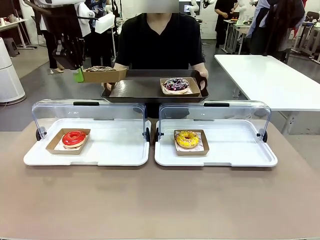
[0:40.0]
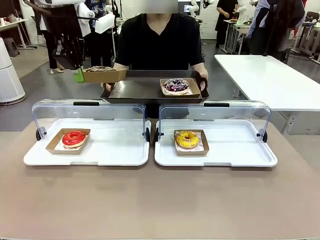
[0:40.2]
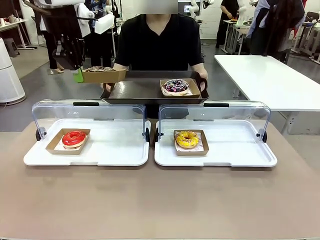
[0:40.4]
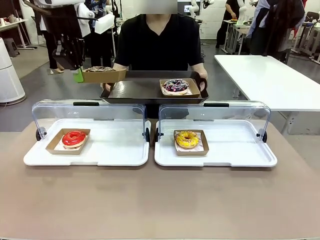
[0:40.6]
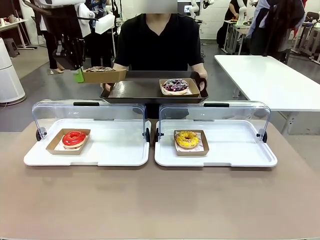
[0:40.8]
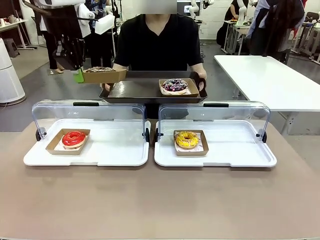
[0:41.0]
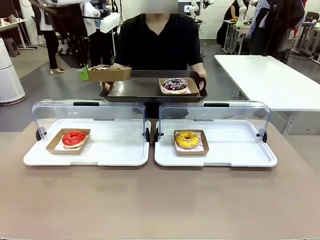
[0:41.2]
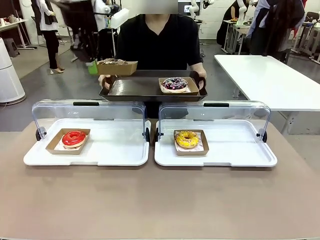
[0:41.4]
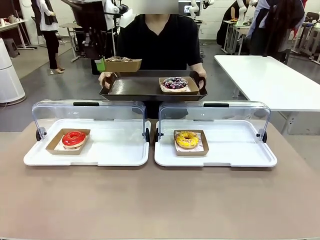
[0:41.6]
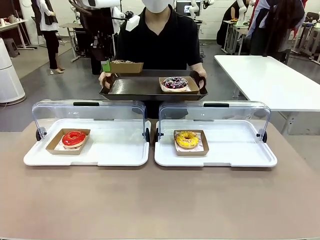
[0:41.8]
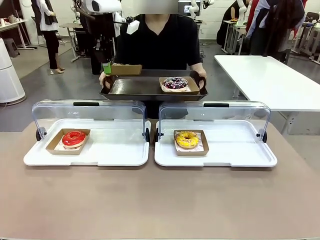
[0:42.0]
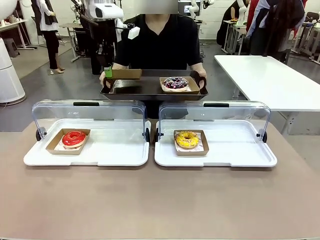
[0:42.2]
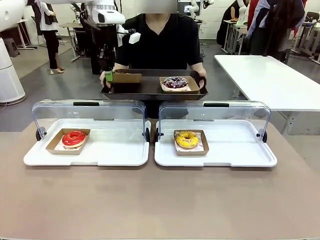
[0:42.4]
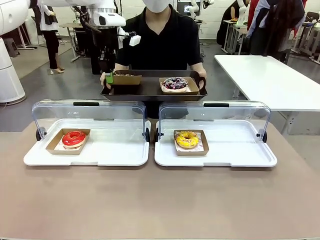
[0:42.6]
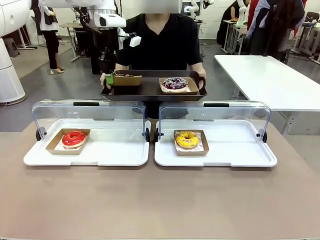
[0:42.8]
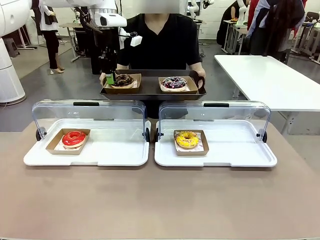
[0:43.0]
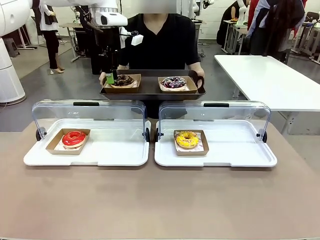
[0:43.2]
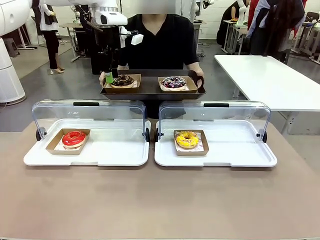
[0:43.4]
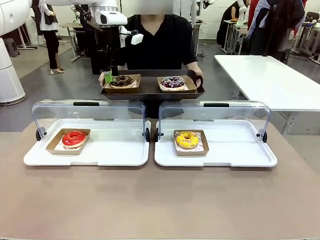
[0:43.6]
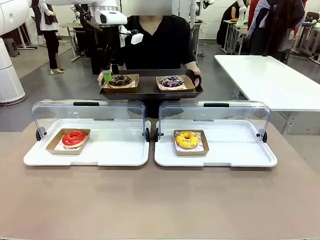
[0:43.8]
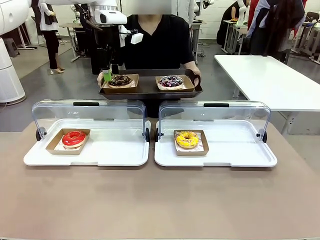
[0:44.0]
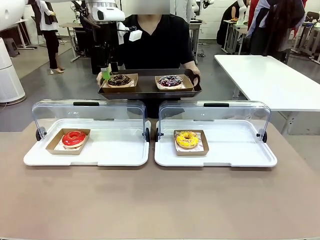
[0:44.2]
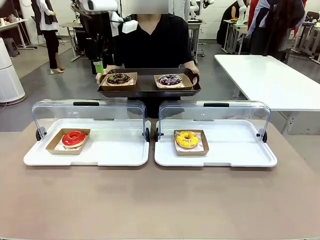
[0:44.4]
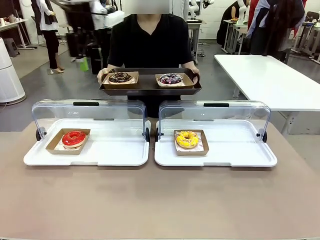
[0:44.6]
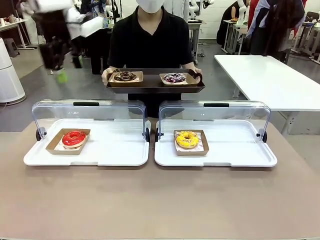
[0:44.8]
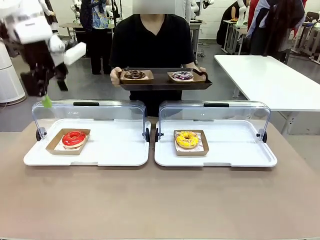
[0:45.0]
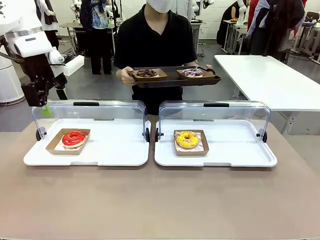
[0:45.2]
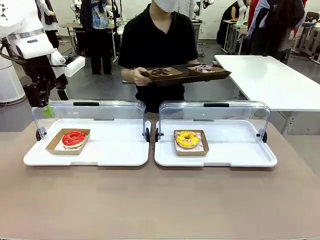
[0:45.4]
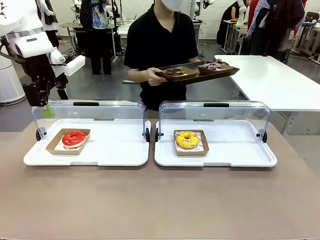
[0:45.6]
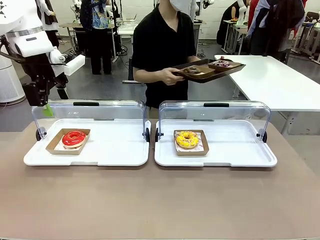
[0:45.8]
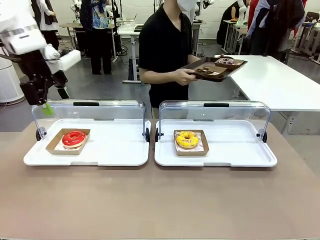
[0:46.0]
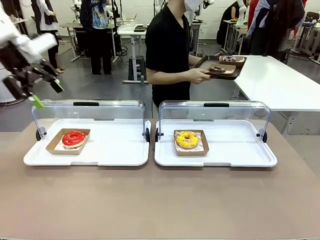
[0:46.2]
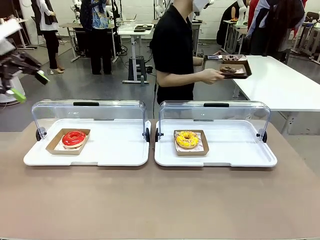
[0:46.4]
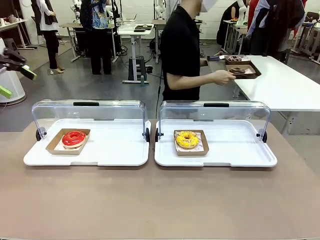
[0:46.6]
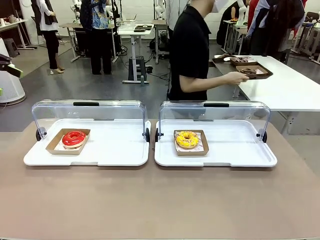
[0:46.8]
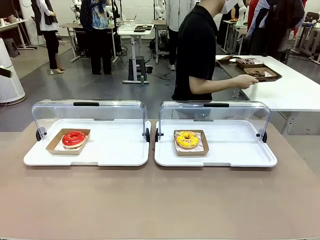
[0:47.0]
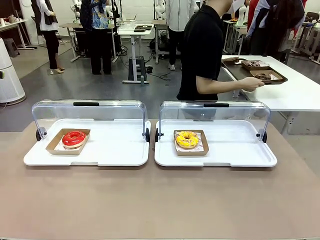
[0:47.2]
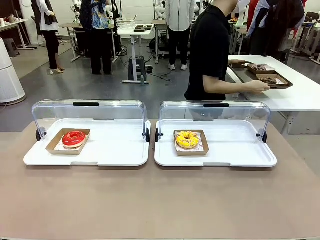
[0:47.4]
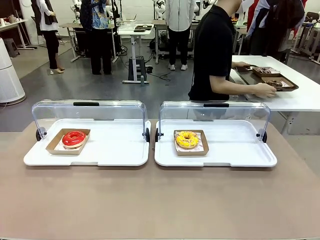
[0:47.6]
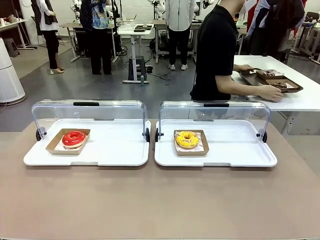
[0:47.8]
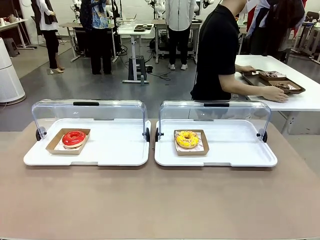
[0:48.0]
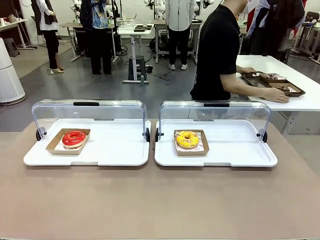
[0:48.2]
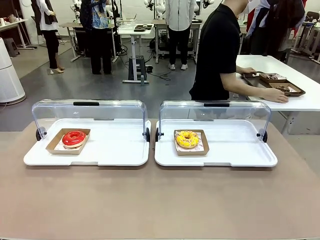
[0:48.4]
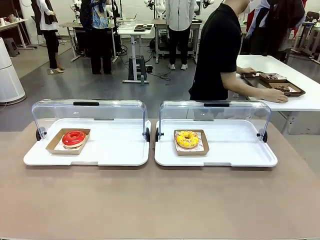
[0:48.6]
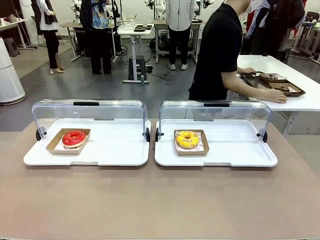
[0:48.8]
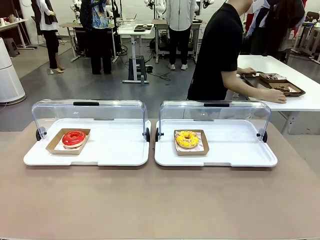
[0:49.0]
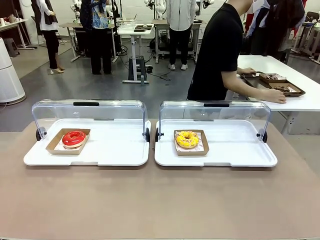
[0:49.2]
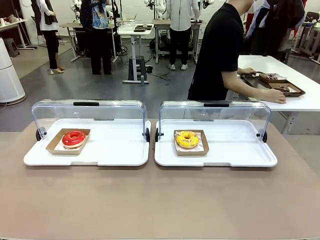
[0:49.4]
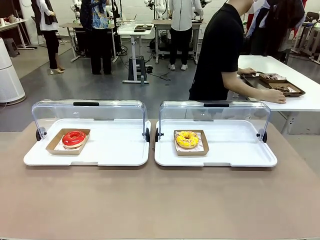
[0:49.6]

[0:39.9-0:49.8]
Task: Provide the desired donut to the person.
Robot: Place the picked Paper togo box onto the Handle tray extended by the person.
Person: Place the tray in the middle of the human table.

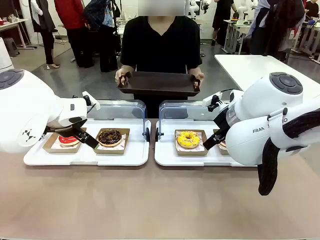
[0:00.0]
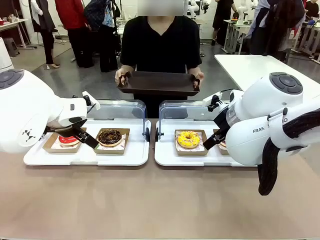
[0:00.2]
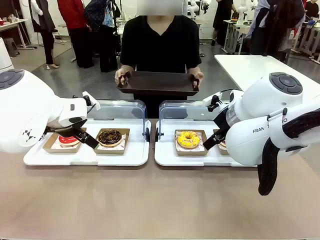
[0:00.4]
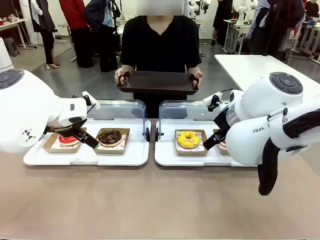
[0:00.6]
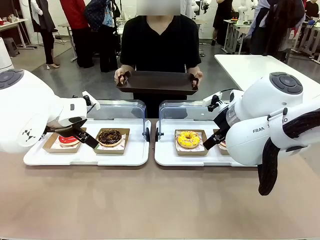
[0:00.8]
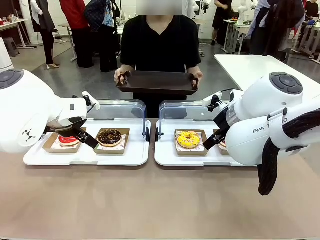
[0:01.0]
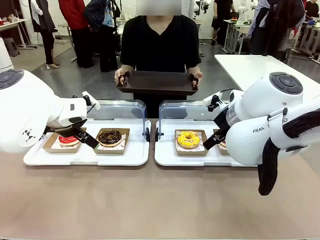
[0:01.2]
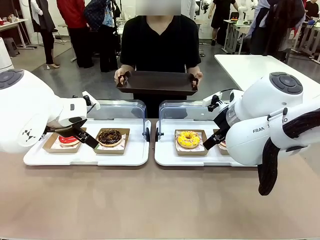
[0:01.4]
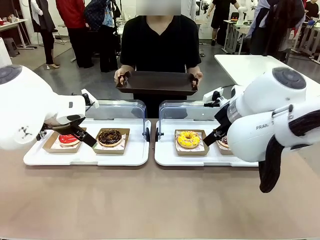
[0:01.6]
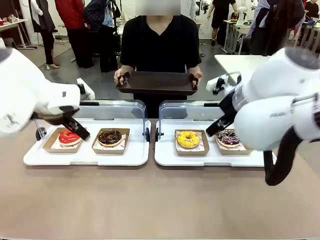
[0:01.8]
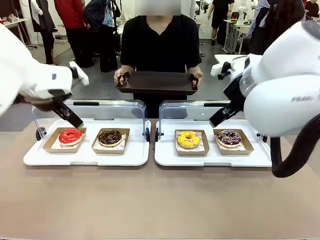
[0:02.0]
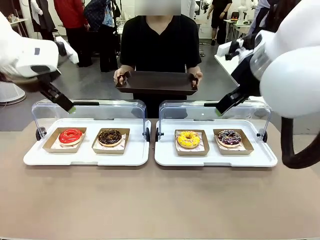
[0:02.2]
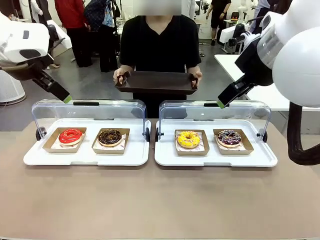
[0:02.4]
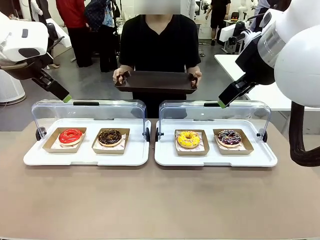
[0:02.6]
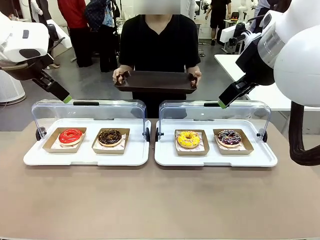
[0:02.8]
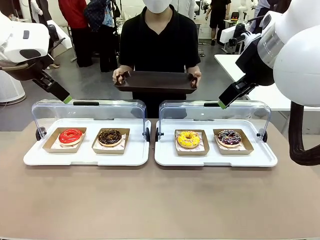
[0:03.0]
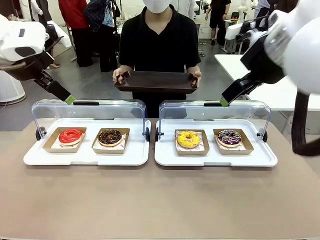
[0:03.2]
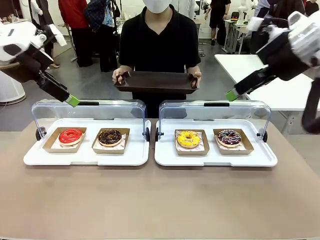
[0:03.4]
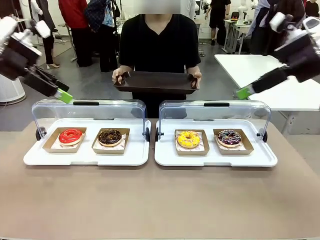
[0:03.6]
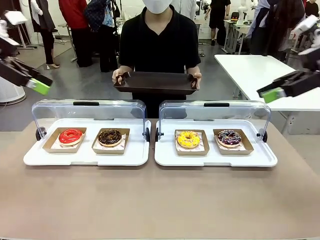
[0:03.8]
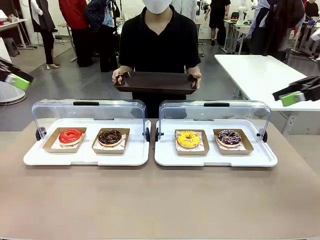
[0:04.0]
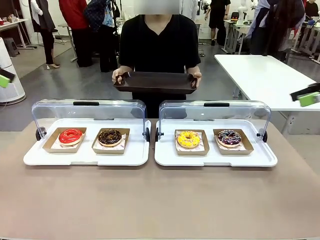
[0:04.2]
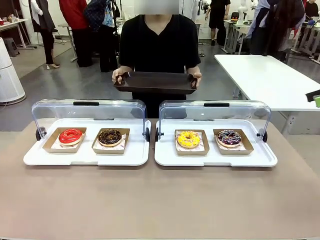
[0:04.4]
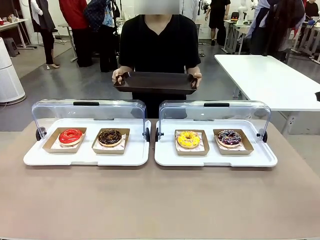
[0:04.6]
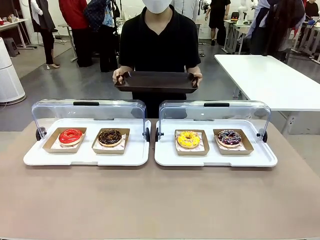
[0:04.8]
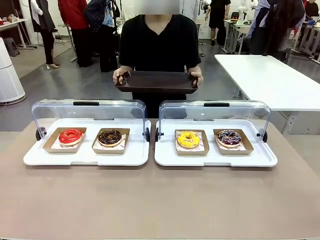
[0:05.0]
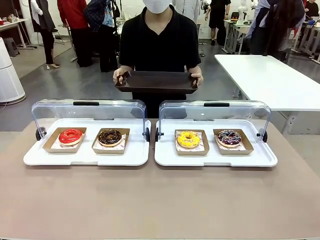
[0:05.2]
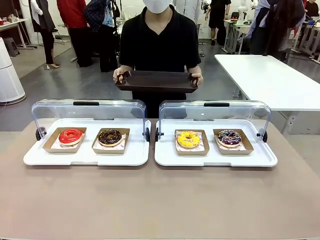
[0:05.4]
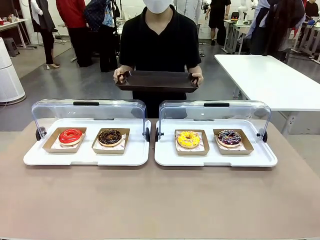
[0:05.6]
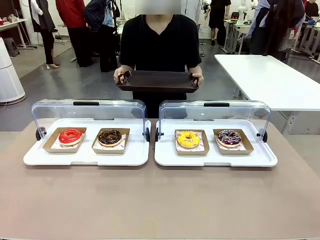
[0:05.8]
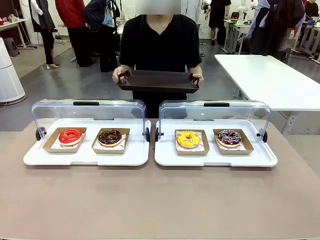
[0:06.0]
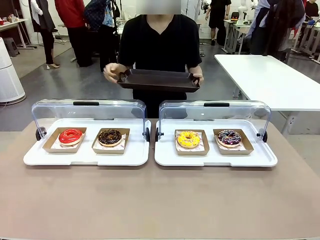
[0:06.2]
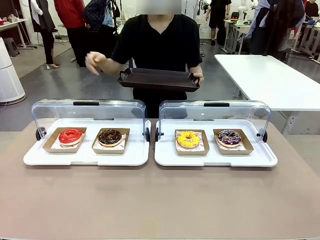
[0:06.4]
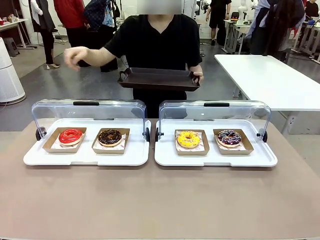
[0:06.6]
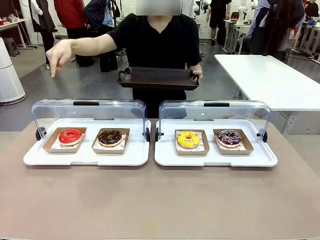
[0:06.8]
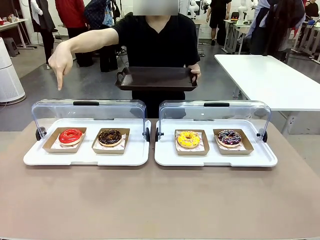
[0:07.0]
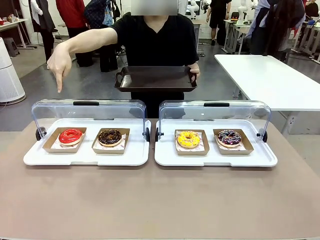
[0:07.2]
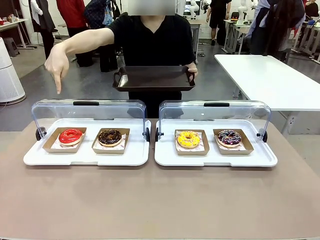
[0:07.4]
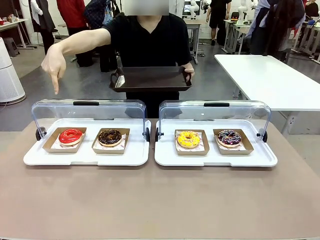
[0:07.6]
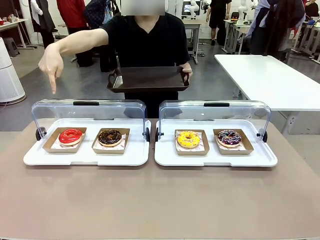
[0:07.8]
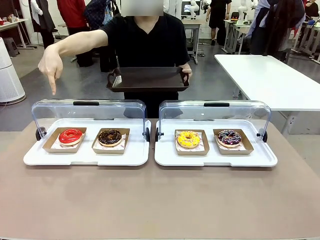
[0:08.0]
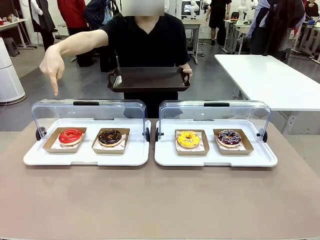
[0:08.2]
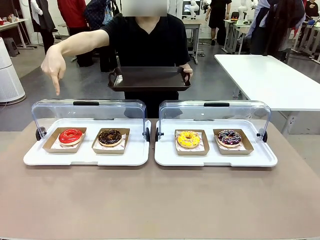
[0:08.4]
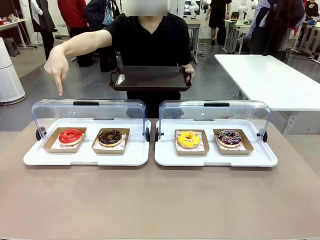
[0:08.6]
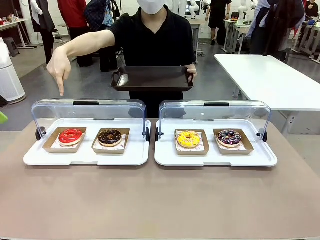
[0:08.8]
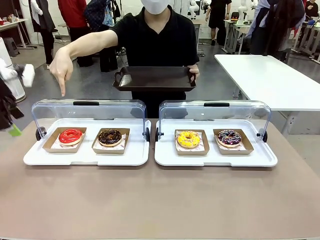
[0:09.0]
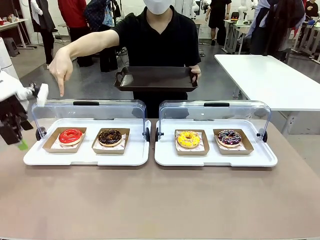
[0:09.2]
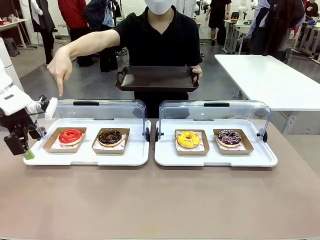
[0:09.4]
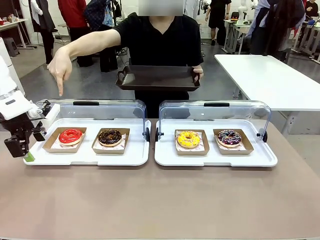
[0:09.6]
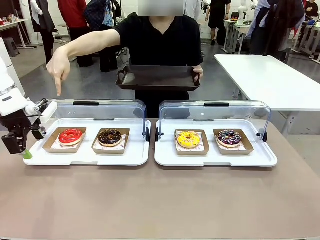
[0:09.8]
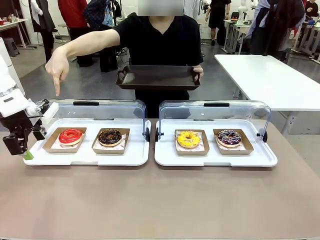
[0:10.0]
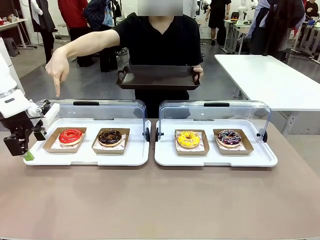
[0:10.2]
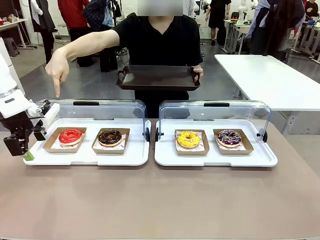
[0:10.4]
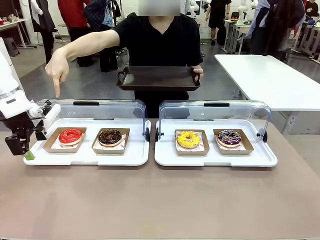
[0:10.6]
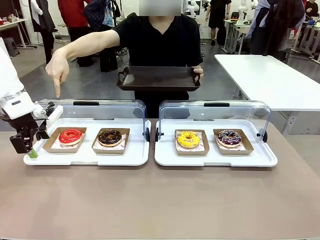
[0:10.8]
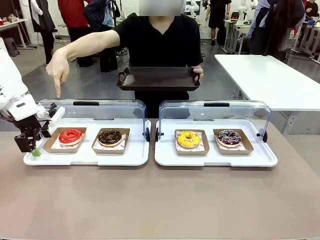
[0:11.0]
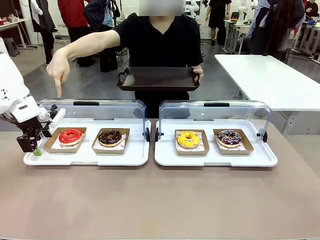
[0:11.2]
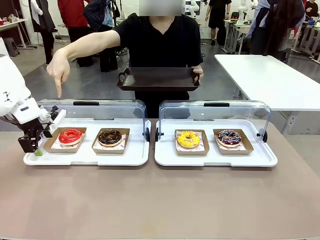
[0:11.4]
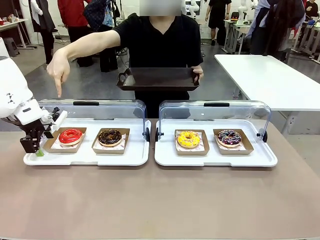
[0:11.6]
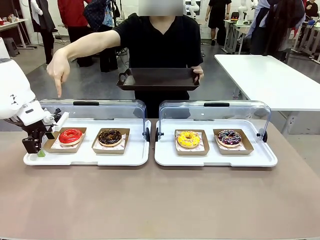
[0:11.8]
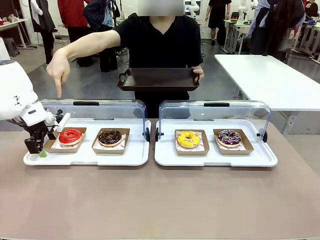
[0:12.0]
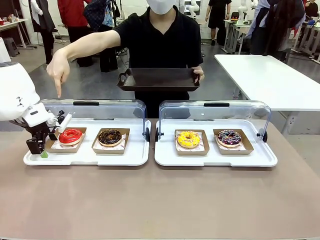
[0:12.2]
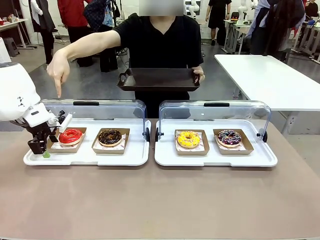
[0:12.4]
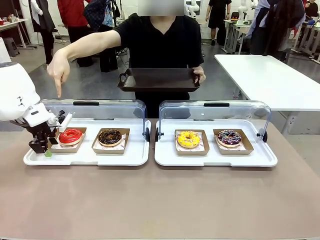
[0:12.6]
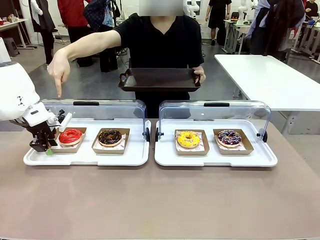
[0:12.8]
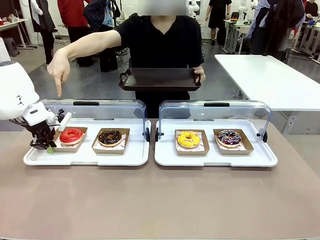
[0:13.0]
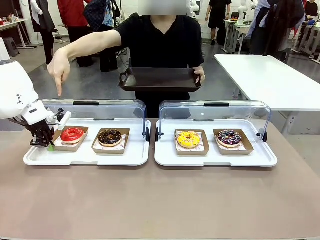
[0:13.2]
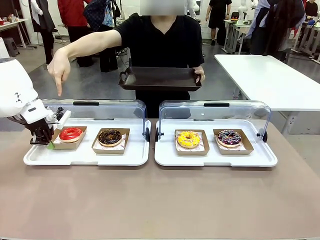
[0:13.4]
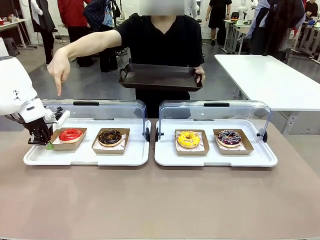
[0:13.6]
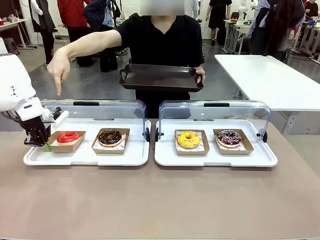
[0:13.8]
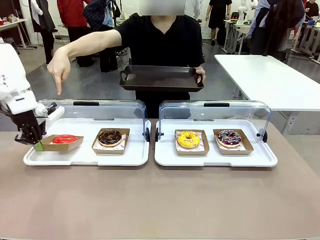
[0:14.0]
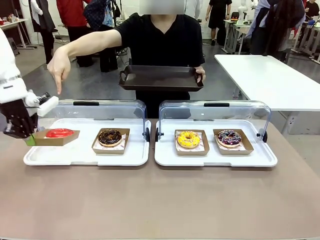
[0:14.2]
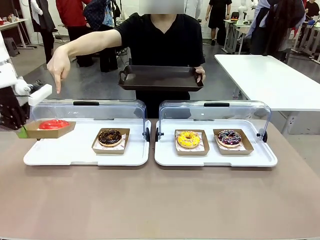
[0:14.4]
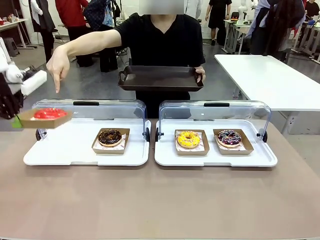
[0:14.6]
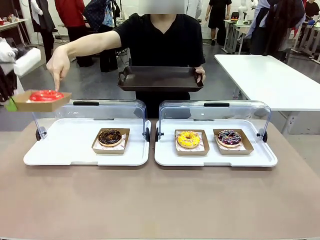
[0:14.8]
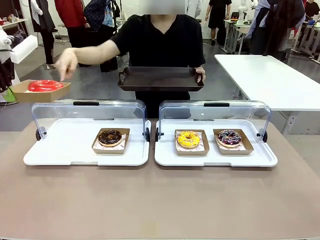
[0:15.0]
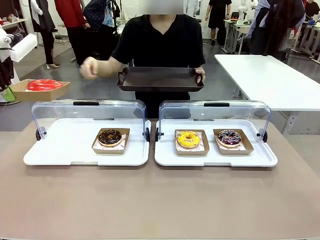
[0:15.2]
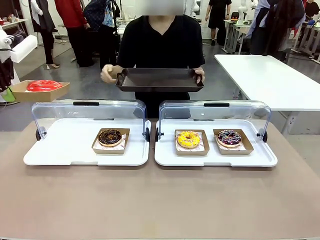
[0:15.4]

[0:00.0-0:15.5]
Task: Provide the desired donut to the person.
Robot: Pick up and lift the Paper togo box containing the Donut pointed at by the person.
Person: Point to one donut. Lift the tray onto the Roll-Top Bakery Case.
